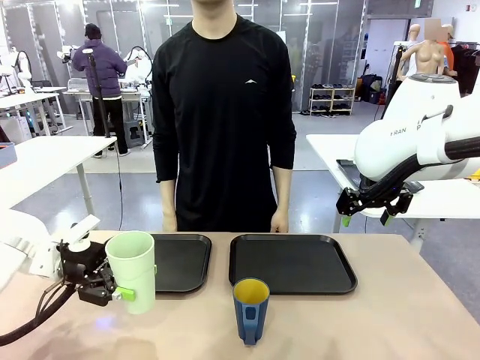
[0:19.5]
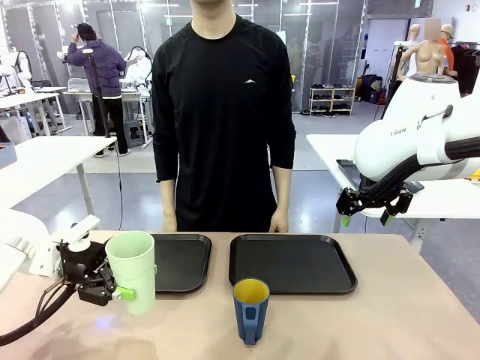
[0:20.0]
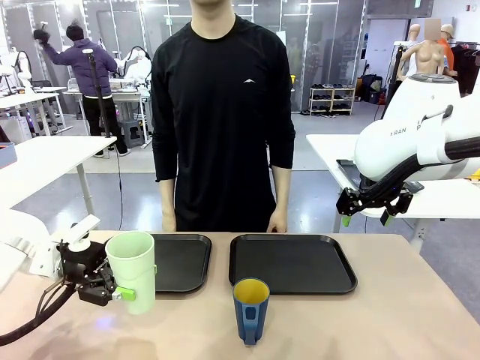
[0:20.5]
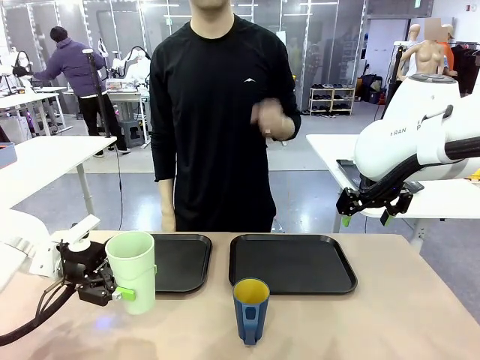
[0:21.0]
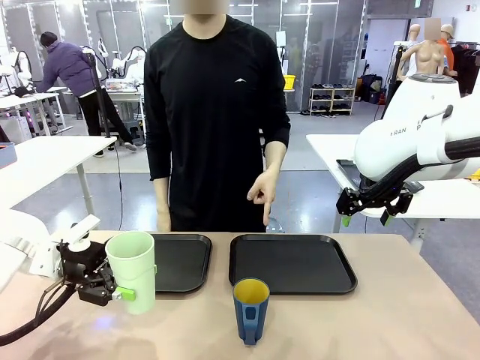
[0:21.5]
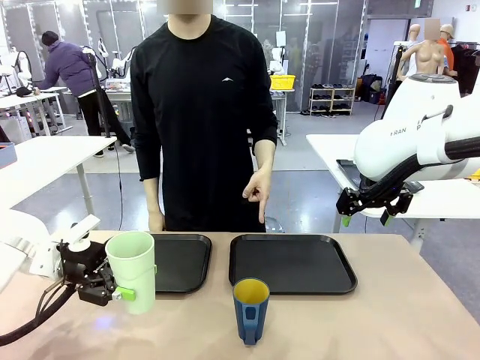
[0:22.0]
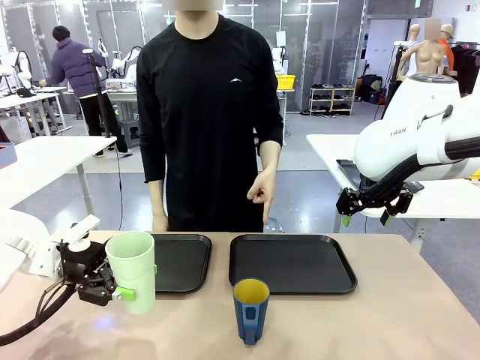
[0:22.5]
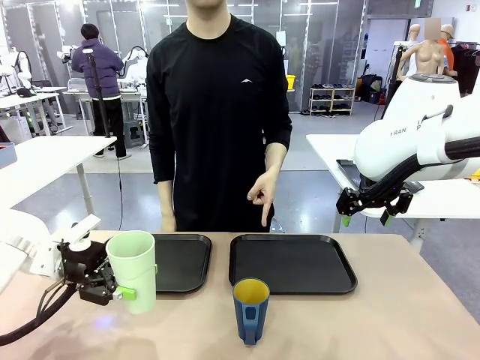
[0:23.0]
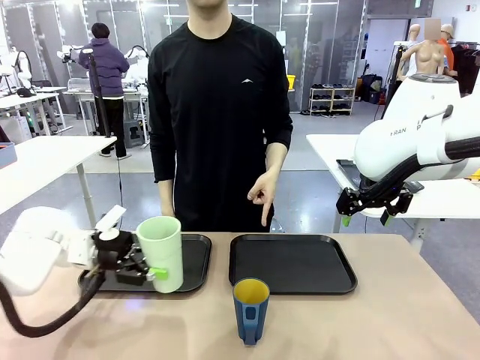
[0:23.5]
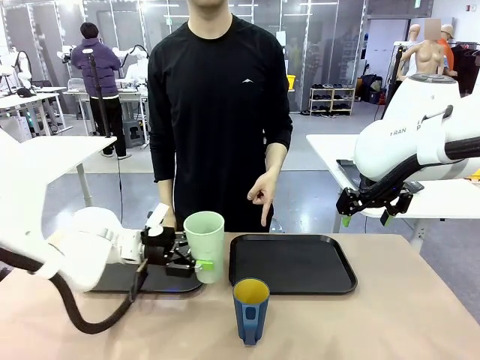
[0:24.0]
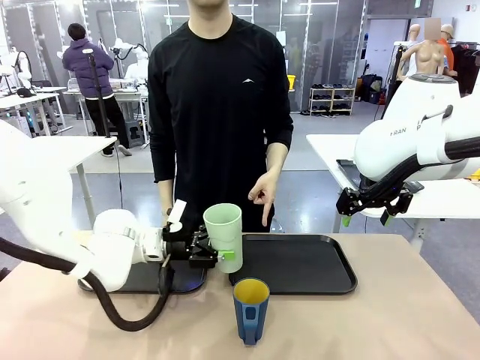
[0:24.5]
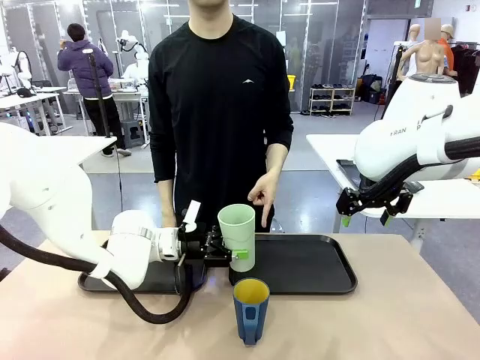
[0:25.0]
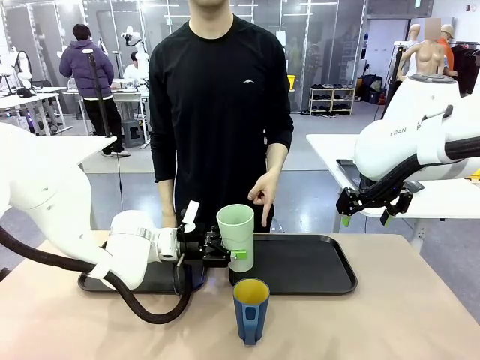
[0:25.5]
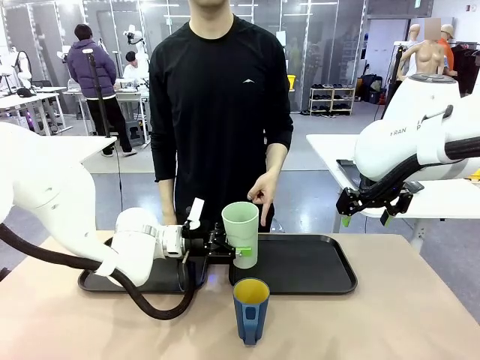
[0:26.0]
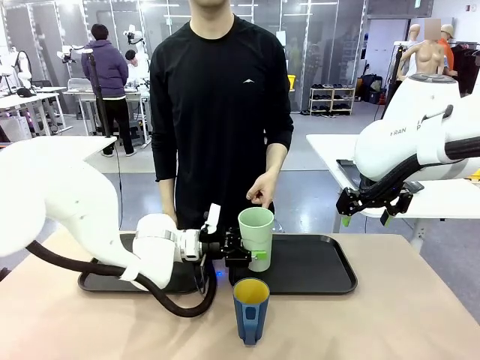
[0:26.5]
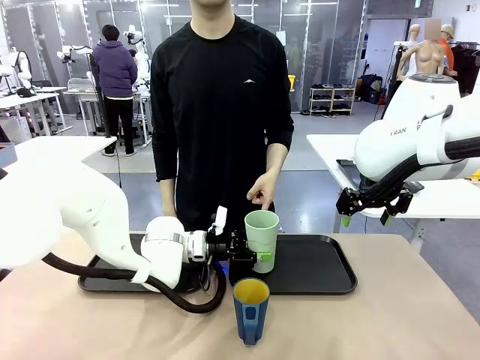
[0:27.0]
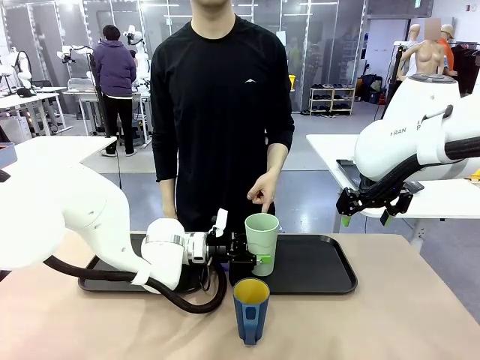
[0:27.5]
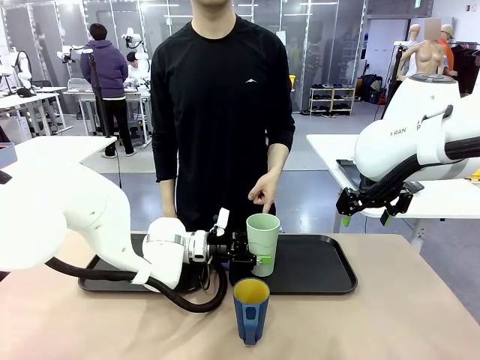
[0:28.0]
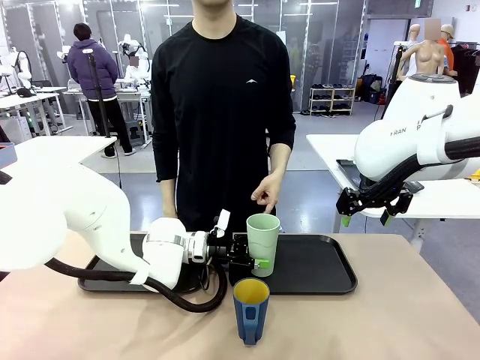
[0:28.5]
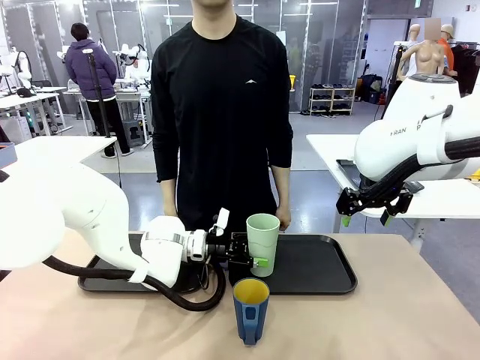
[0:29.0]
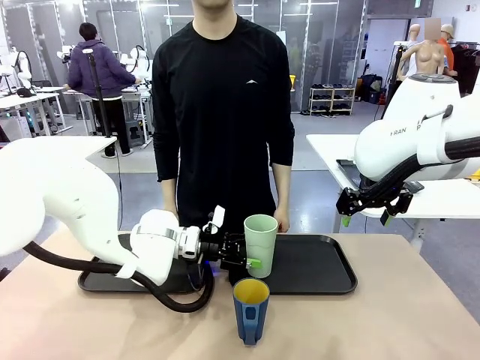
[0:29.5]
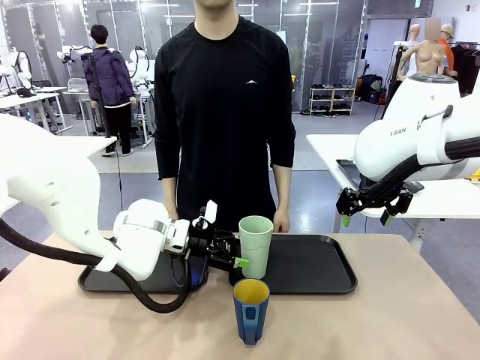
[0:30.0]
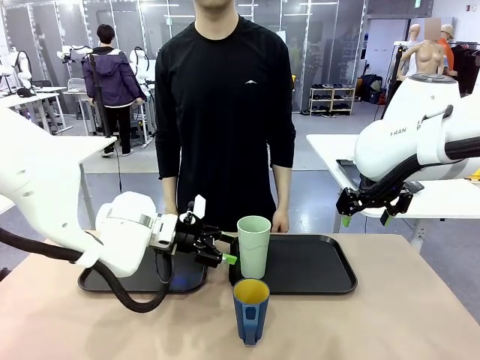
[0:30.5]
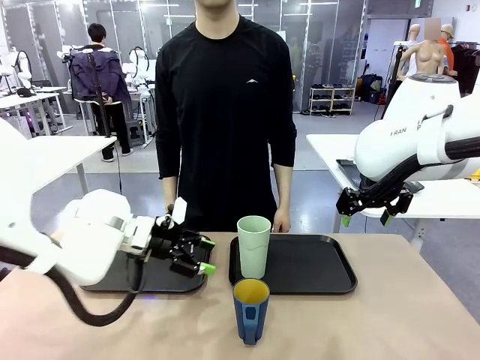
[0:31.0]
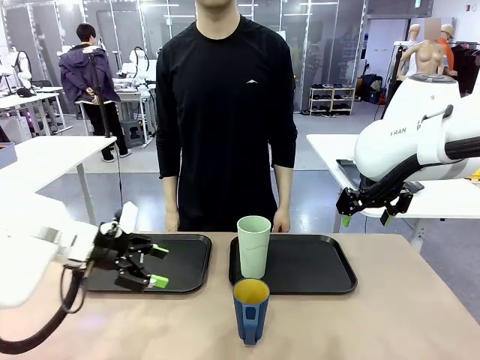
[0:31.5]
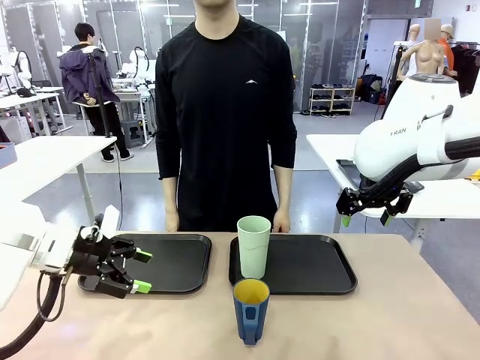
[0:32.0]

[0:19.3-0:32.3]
Task: Sort and store the cups by type.
Robot: Place the picked Reusable plastic cup into the Flat Tray indicated by the person.

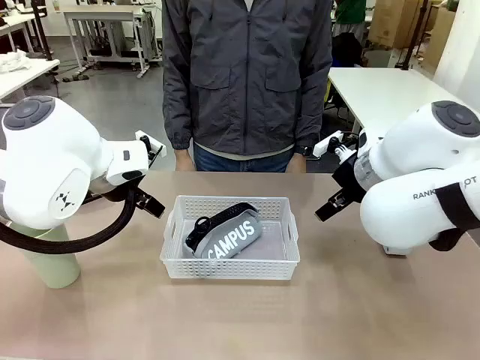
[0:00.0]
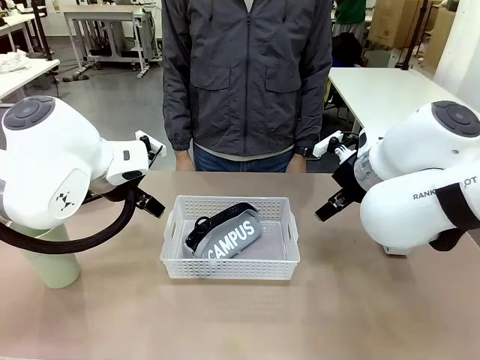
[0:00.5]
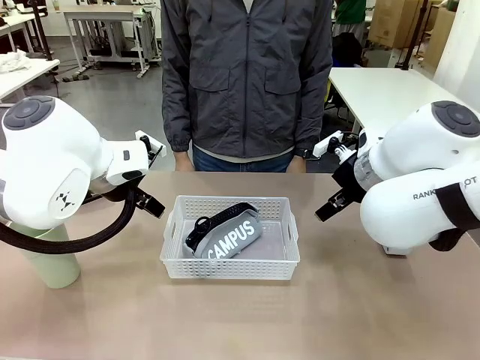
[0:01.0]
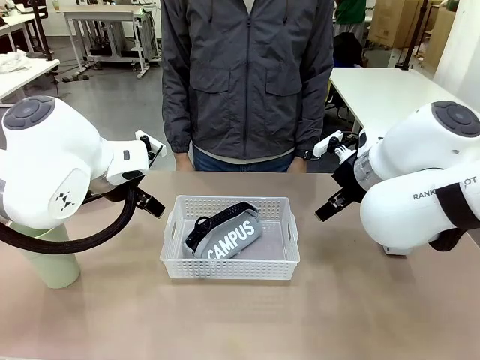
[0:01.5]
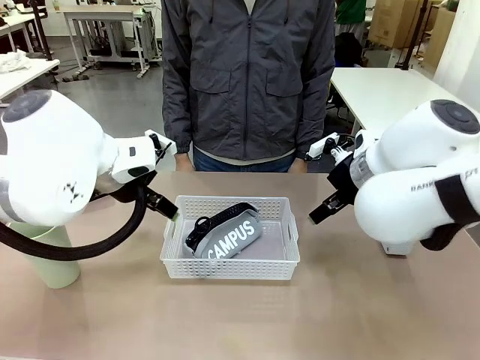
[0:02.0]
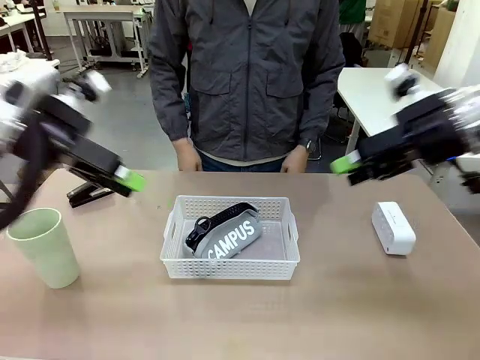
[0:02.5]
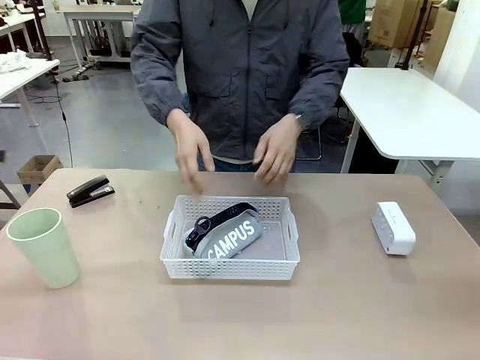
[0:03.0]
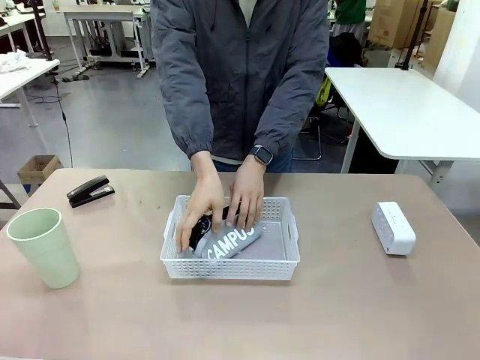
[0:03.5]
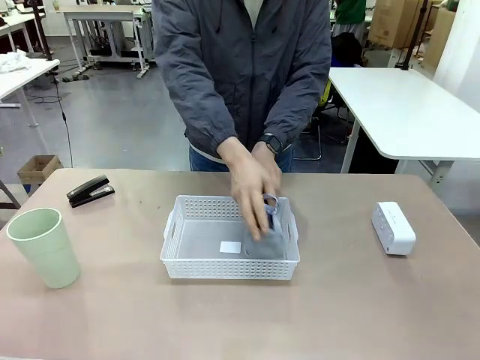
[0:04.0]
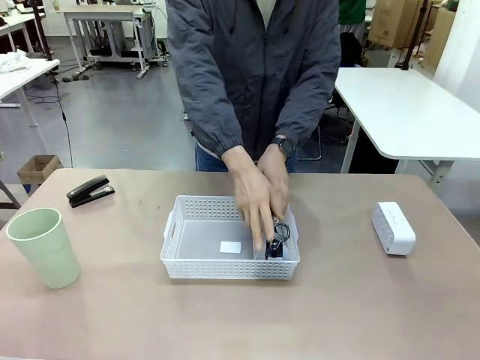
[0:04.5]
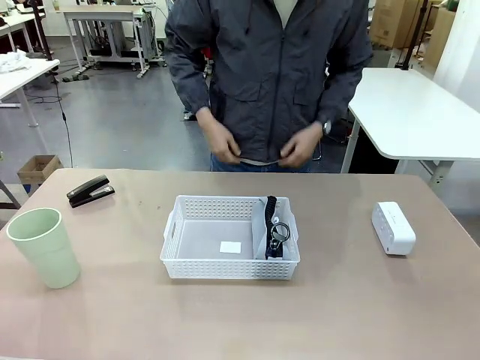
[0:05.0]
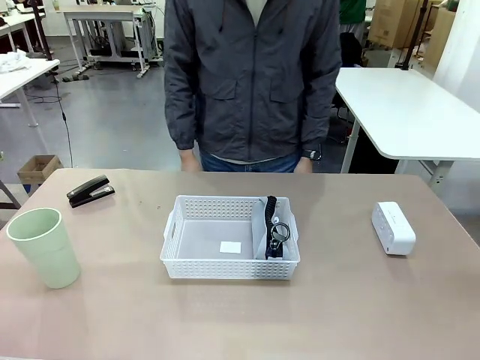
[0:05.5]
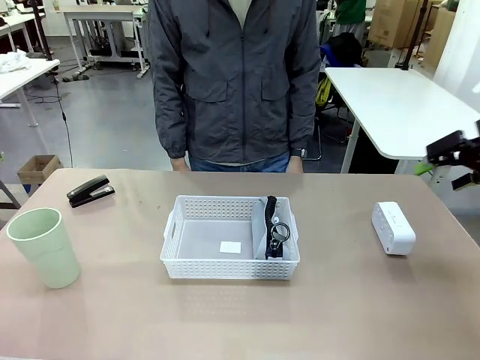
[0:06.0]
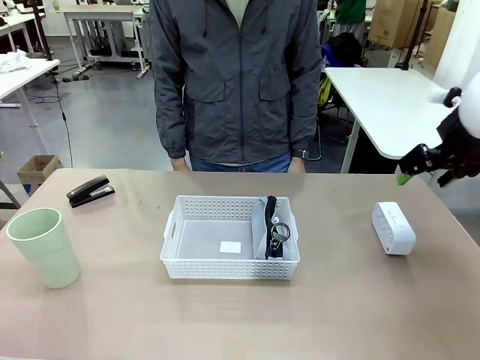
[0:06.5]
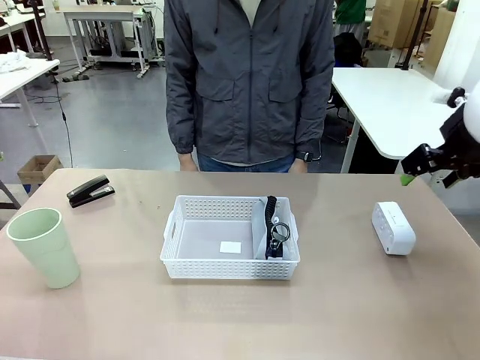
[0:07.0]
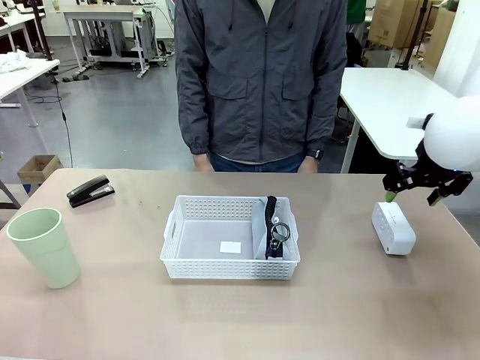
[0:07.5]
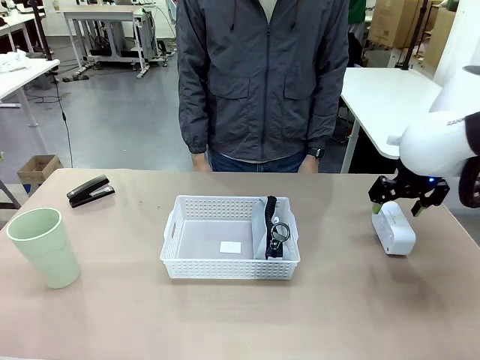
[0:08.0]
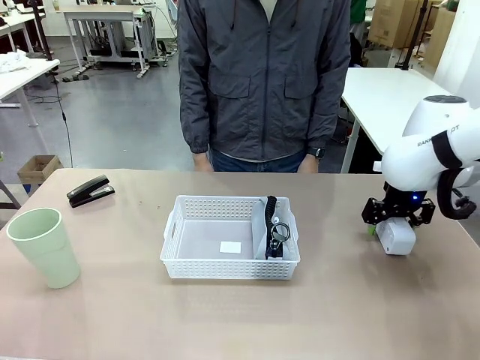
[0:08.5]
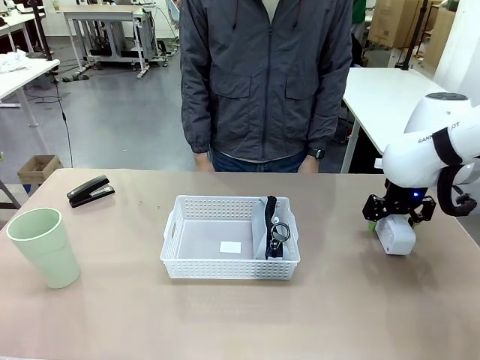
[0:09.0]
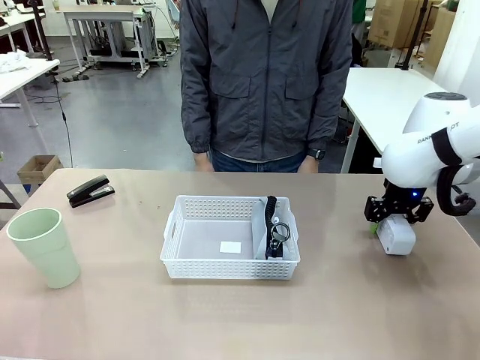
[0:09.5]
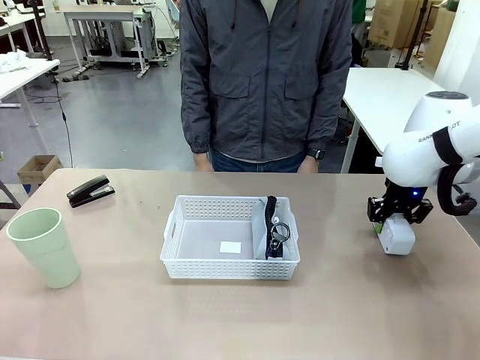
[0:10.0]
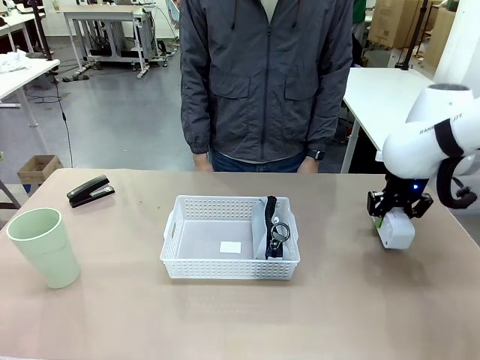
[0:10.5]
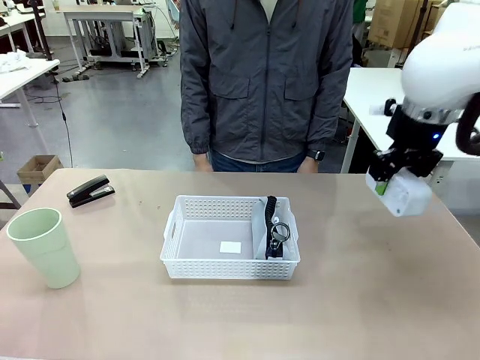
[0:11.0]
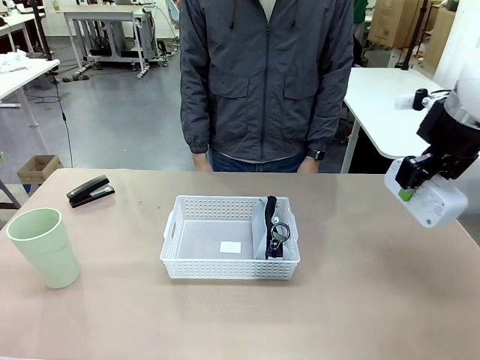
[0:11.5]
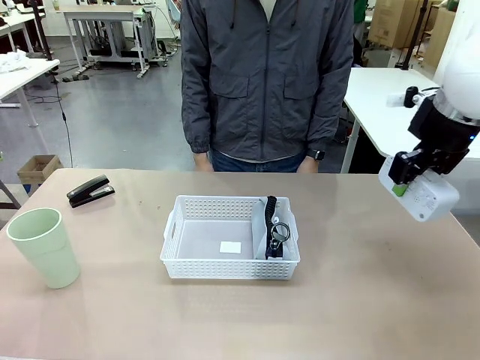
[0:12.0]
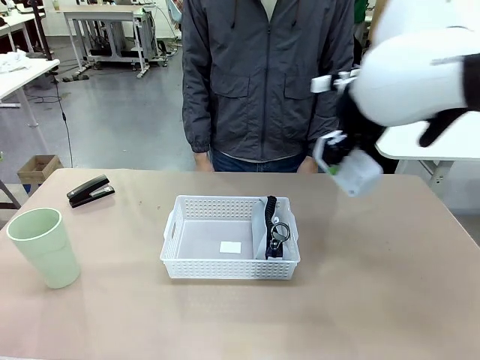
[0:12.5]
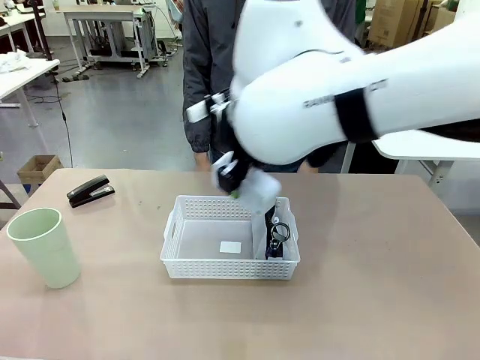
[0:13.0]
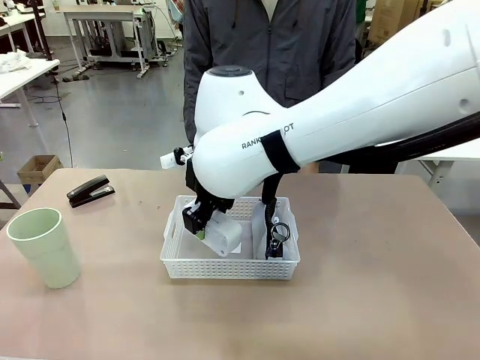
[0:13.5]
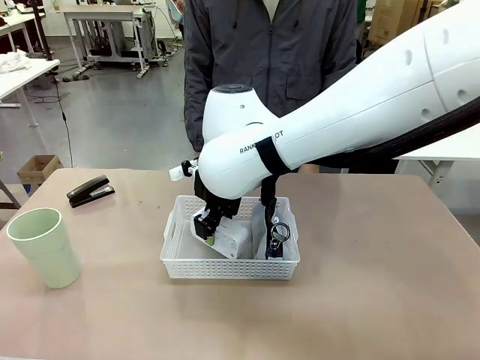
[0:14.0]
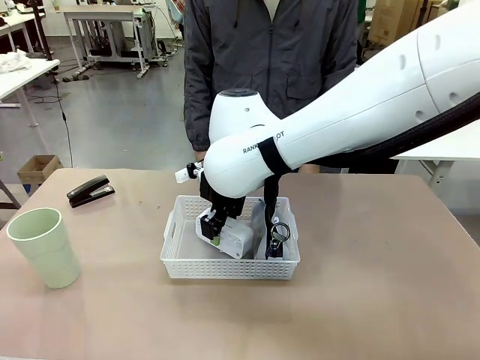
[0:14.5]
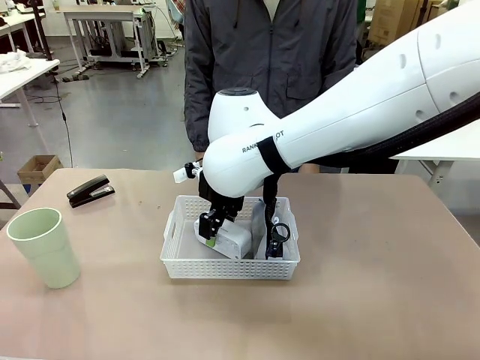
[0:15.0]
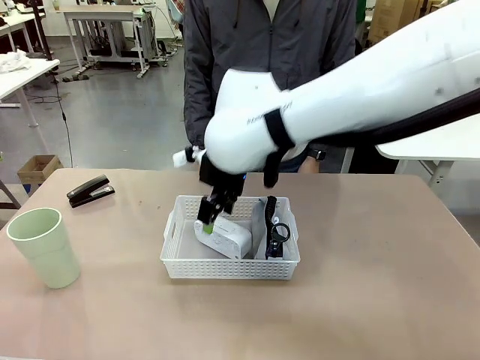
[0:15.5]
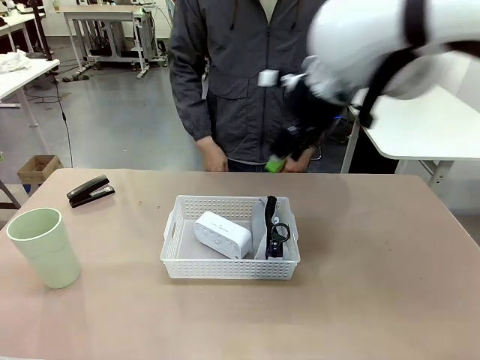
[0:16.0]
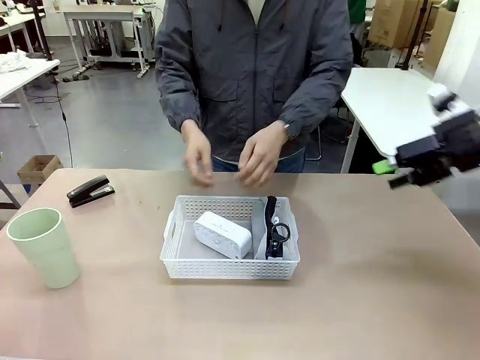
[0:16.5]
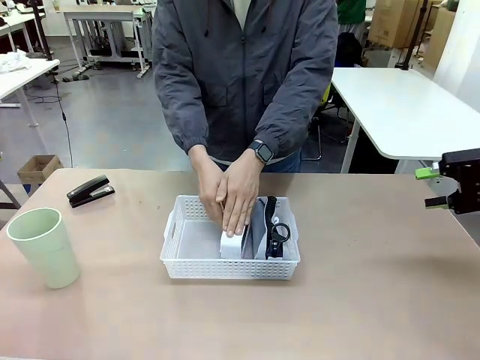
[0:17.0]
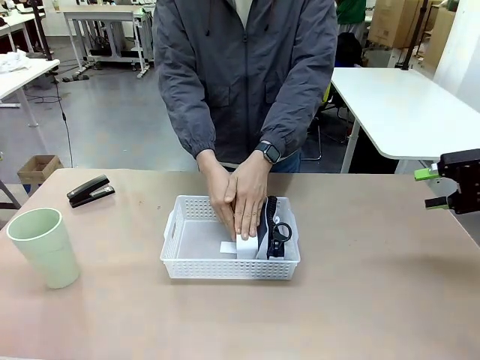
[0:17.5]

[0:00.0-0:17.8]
Task: Efficiently arrange items inside the basket to fit them all.
Robot: Pick up the Digital clock and place it inside the Organizing basket.
Person: Repositions the pencil case. Repositions the digital clock.
